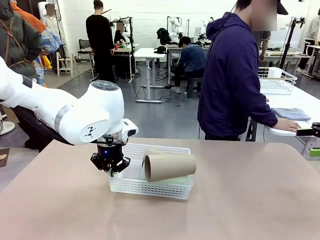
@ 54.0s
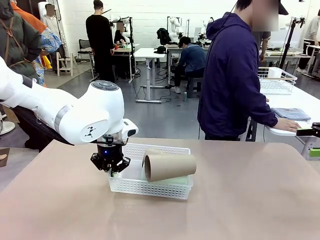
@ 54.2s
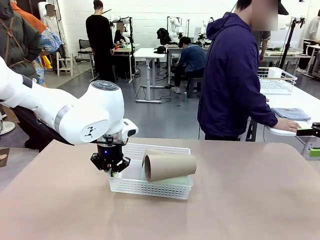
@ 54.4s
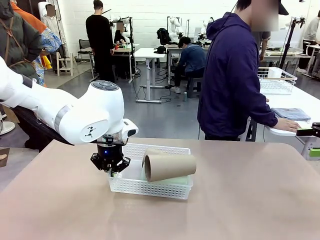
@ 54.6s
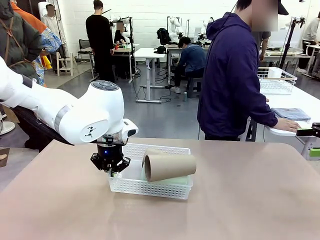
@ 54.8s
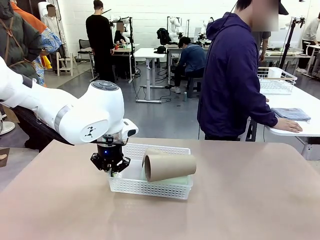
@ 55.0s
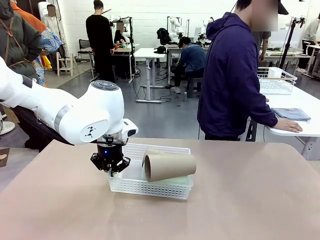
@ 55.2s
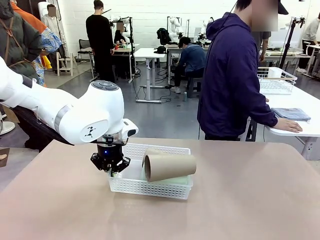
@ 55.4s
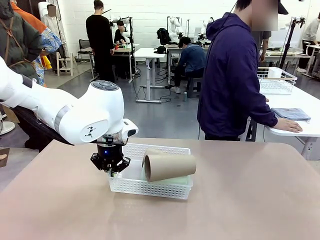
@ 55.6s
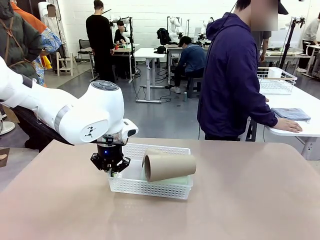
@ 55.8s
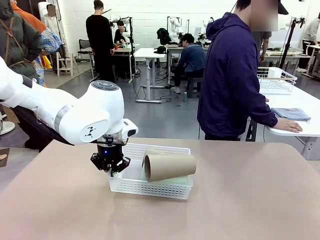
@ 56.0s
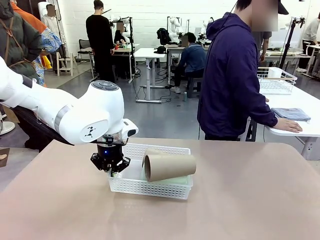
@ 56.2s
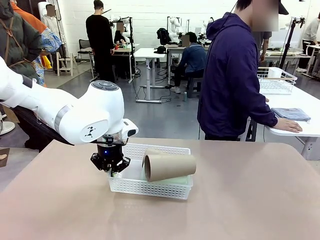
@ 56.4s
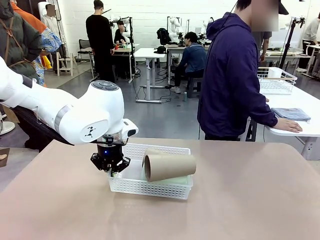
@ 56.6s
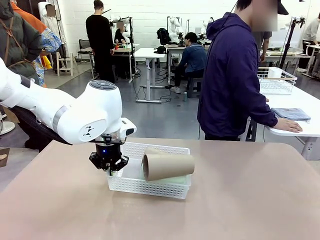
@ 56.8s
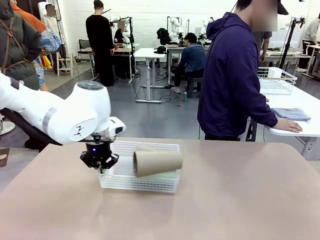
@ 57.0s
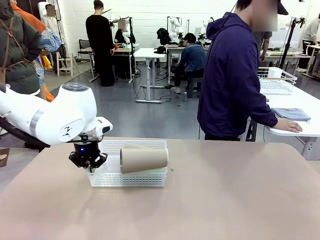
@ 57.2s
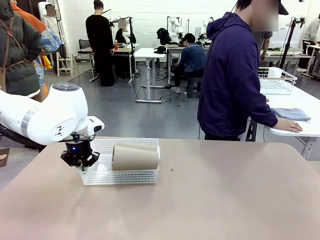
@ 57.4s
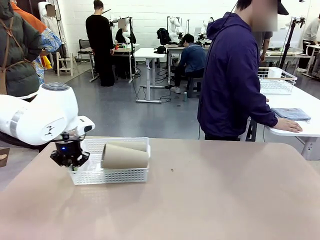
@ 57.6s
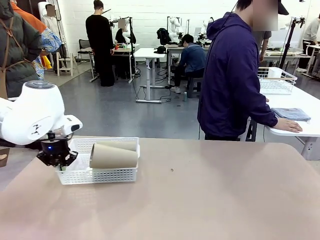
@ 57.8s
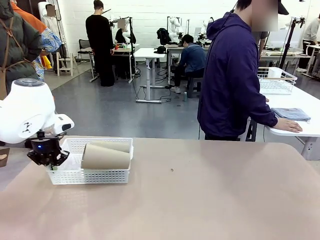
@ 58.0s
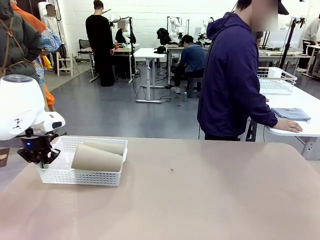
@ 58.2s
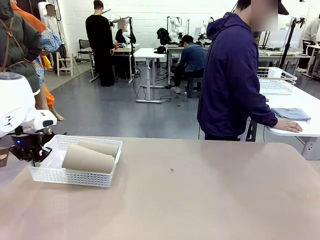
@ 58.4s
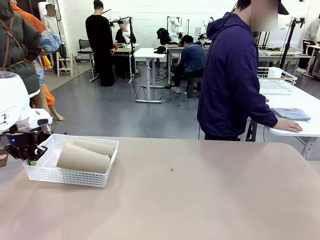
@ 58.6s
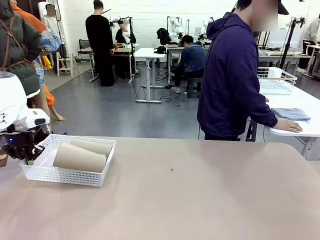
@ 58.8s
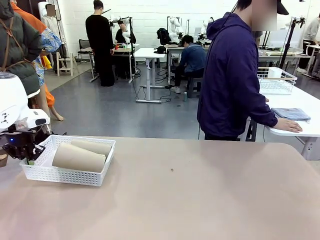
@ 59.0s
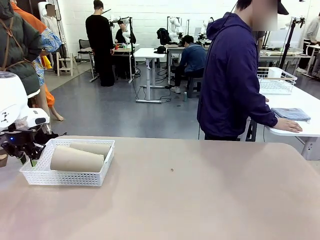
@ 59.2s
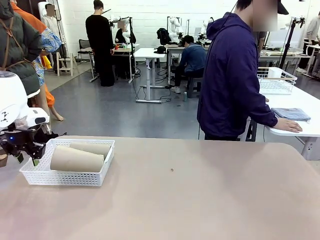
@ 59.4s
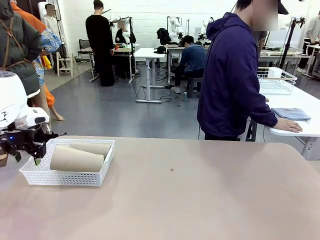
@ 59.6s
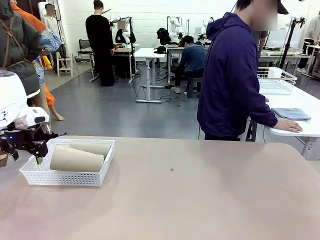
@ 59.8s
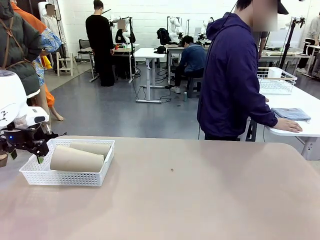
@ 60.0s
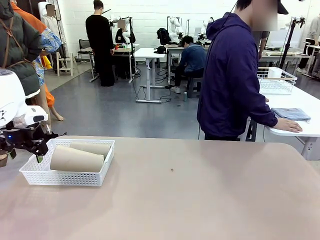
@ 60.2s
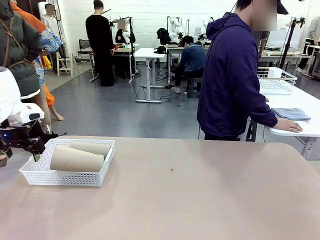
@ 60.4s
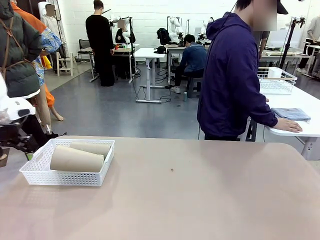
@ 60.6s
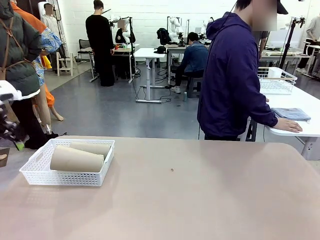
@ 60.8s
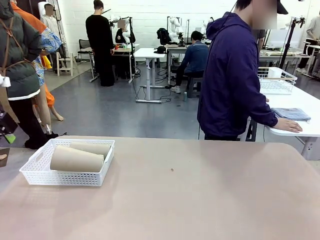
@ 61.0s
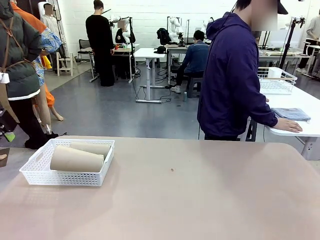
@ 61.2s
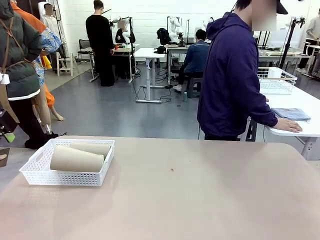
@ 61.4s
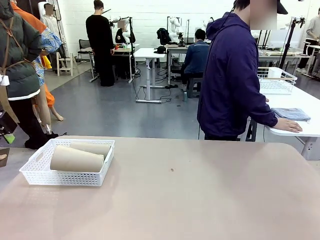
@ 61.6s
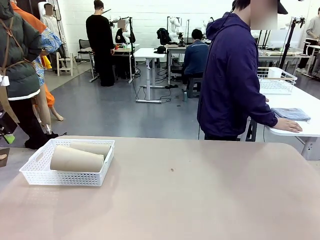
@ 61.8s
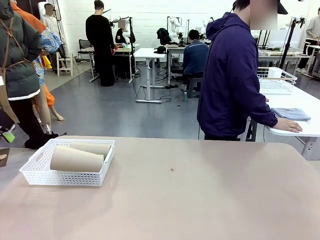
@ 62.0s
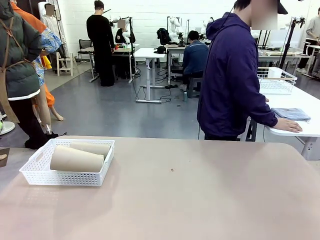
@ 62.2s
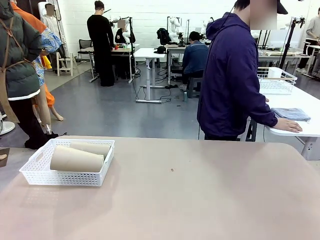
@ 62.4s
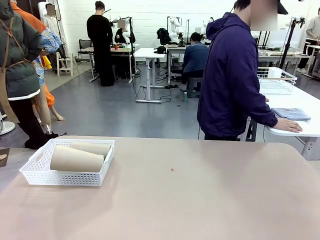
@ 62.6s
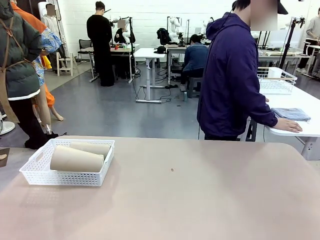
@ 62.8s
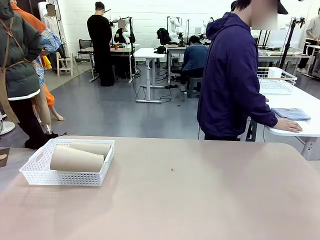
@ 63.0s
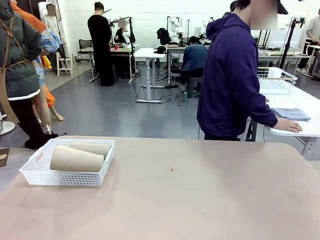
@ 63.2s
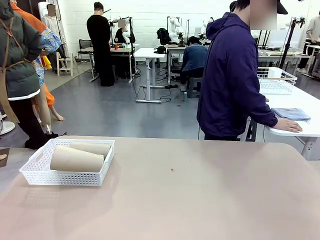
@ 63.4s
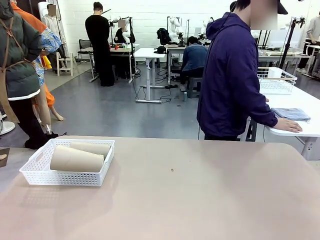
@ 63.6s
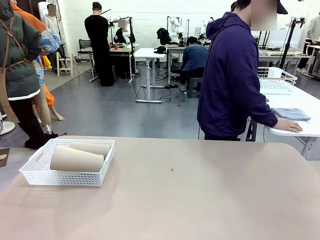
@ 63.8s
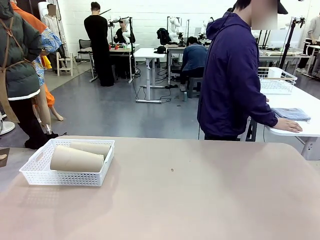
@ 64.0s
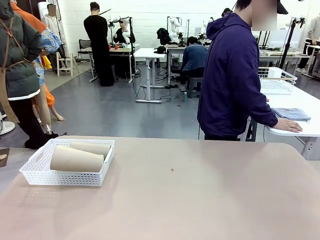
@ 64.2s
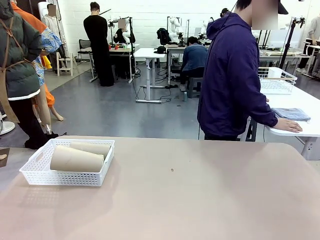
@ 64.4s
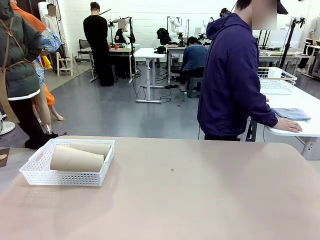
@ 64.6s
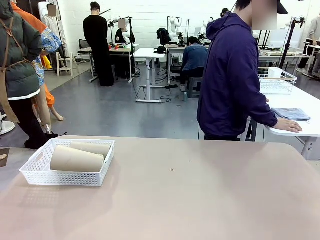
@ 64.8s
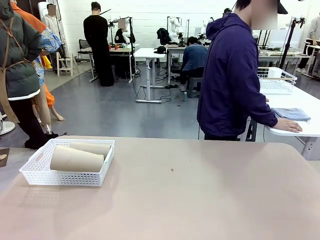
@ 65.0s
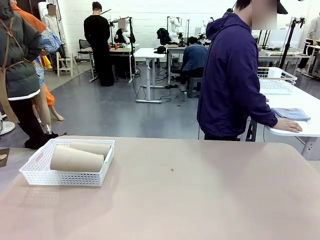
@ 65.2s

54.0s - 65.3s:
Task: Clean and organize the cups into the basket.
Robot: Move the Organizing basket back to the left side of the table.

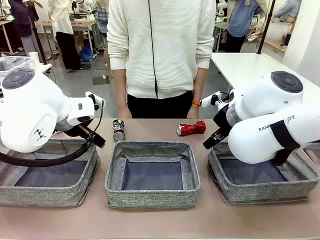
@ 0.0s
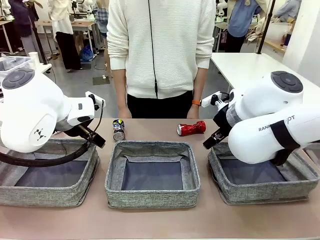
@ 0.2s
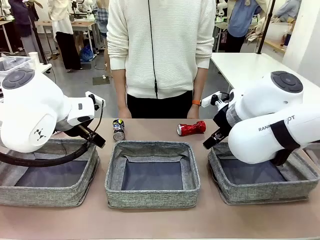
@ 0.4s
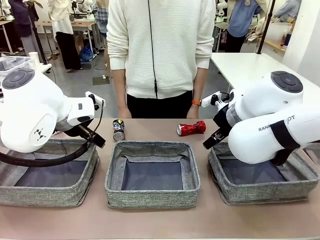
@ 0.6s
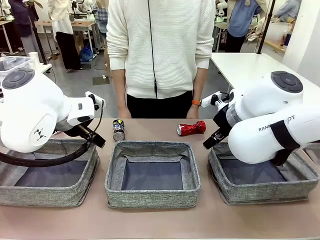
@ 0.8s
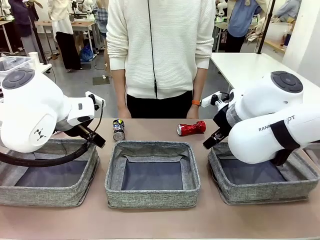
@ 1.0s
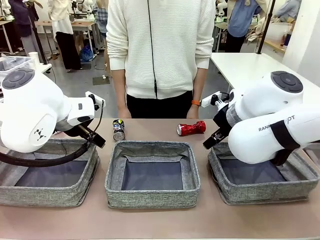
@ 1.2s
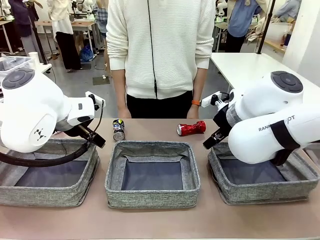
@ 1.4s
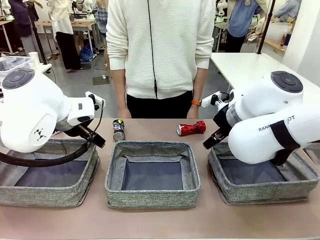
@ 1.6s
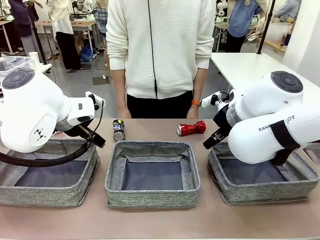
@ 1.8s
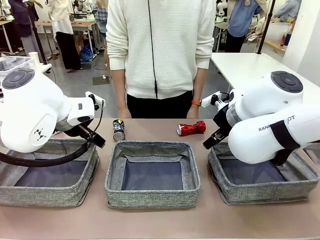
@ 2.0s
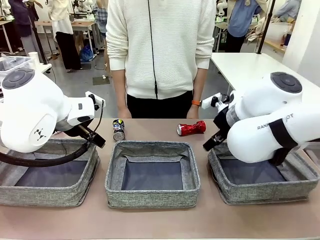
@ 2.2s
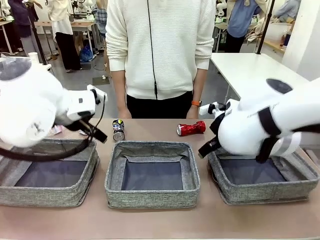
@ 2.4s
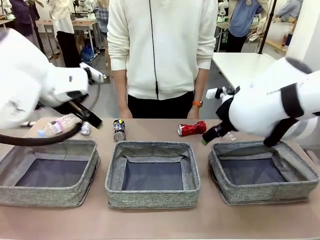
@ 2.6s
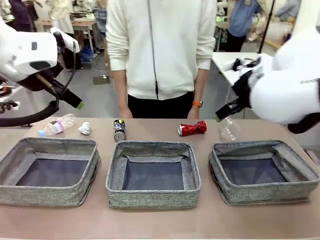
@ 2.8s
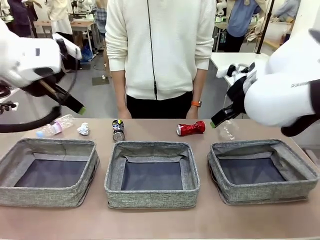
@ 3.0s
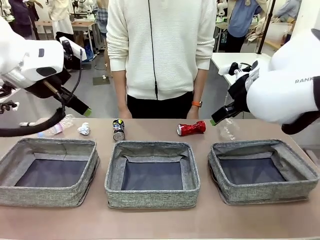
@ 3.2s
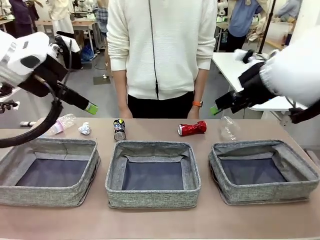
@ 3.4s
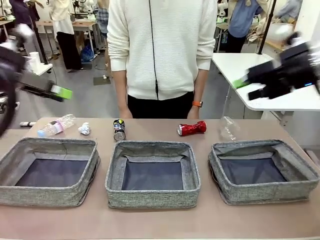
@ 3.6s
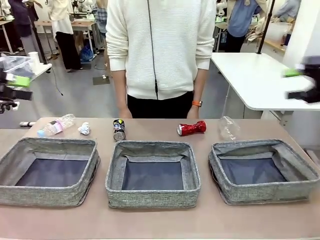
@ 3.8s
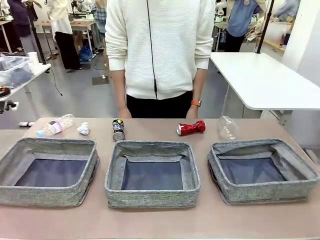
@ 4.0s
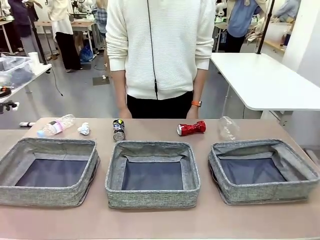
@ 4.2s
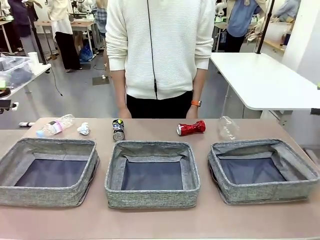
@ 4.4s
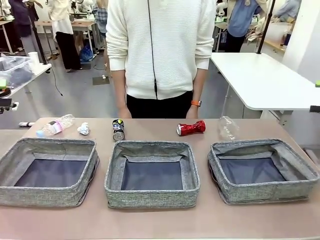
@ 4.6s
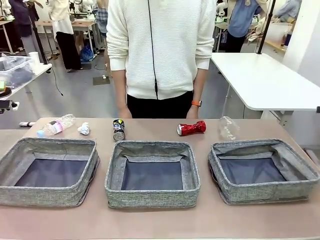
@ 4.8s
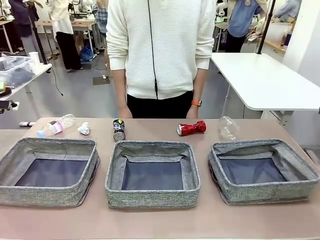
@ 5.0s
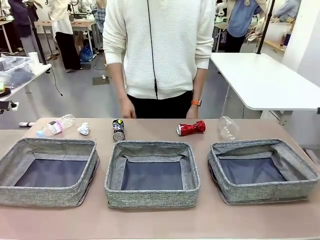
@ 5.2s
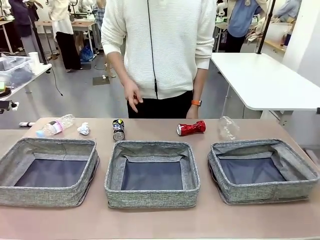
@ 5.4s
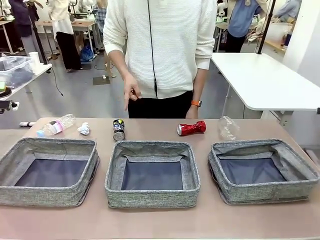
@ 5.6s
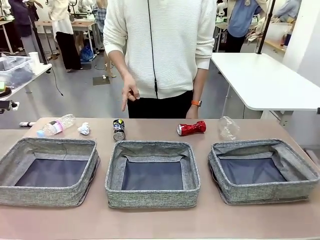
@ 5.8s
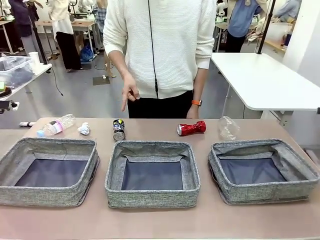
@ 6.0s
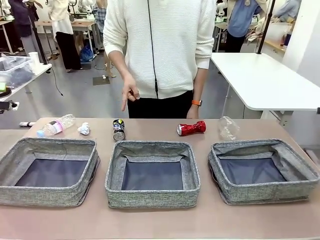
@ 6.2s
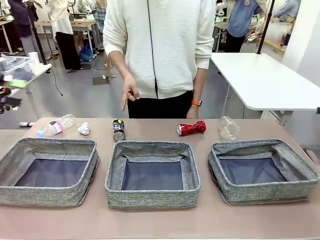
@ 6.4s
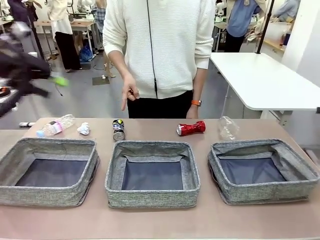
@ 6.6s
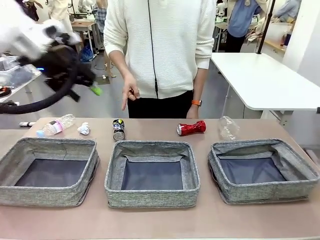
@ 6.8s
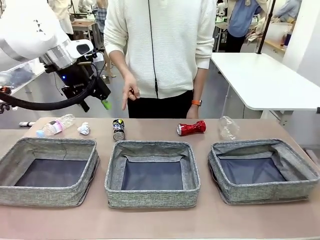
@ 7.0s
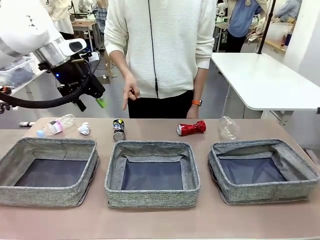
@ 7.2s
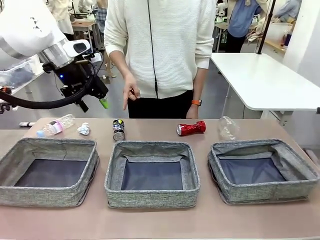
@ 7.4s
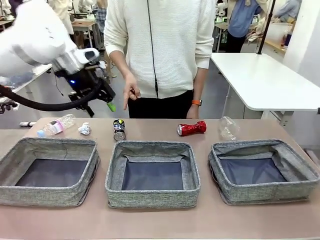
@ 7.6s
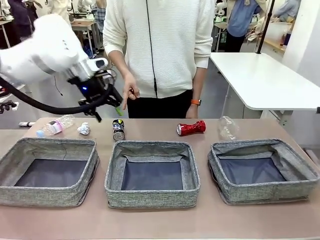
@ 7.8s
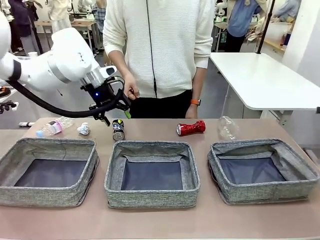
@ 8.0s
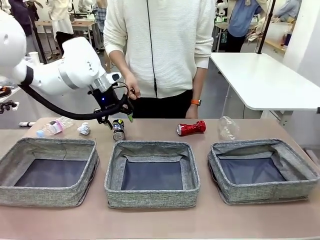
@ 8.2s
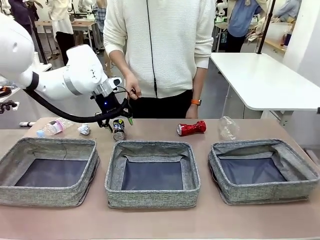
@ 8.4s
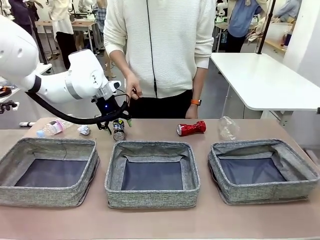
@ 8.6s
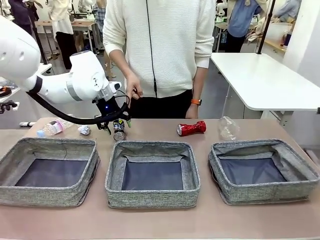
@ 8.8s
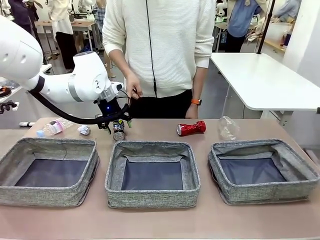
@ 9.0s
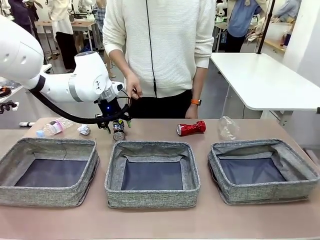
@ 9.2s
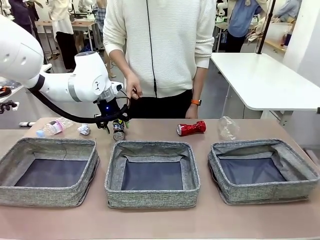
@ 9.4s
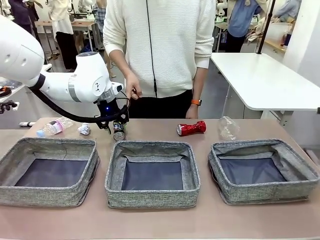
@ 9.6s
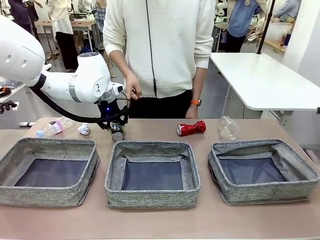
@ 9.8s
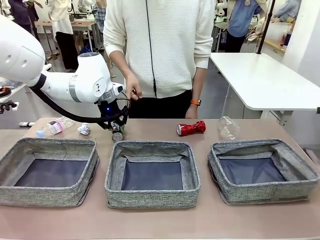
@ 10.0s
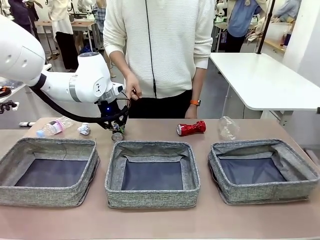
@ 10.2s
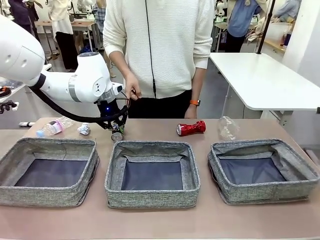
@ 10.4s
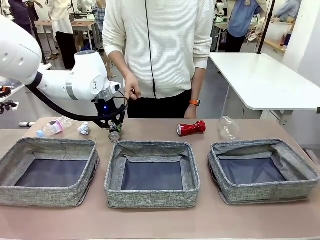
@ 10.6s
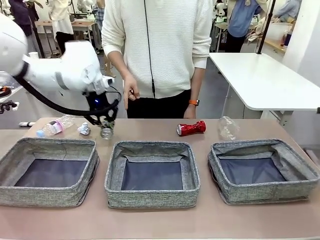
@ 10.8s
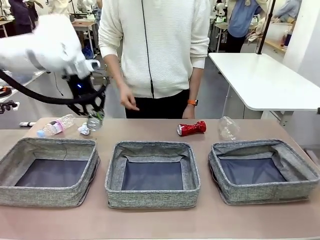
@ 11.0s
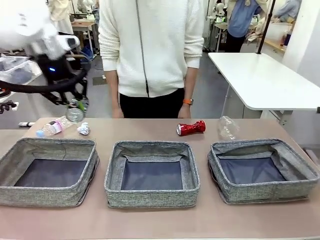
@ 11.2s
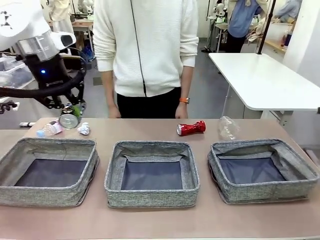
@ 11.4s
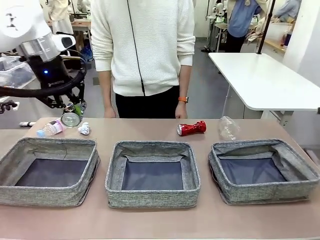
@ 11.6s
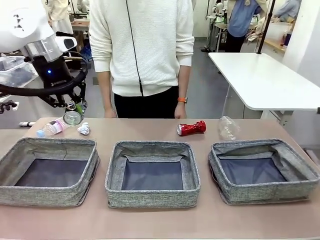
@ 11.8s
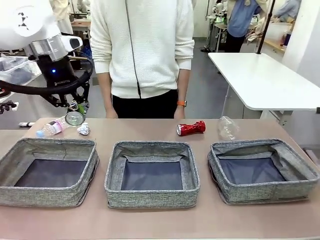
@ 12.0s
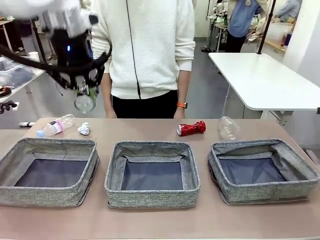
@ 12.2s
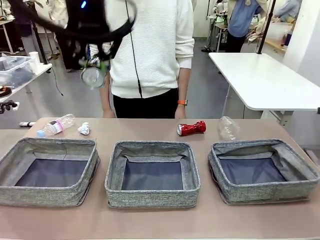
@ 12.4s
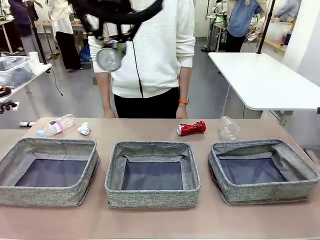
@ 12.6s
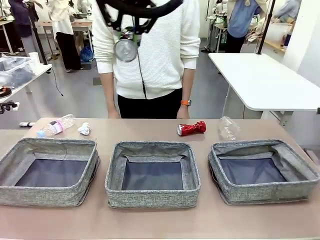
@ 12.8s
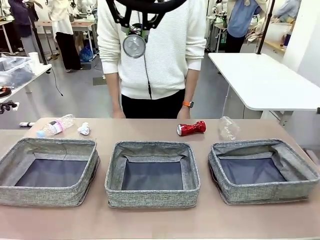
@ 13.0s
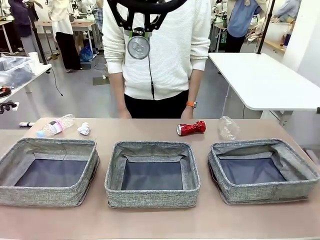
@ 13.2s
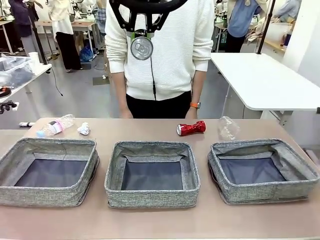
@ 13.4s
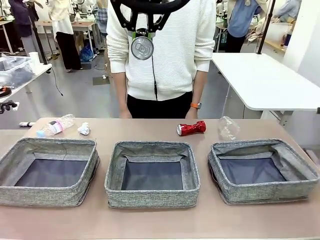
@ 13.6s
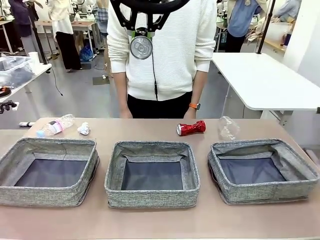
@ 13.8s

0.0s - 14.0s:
Task: Sort the waste into the appropriate baskets.
Robot: Pick up the waste item pointed out by the person.
Person: Points to one piece of trash on the table.
